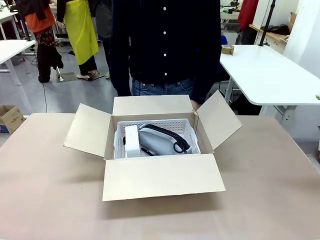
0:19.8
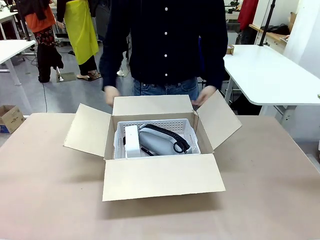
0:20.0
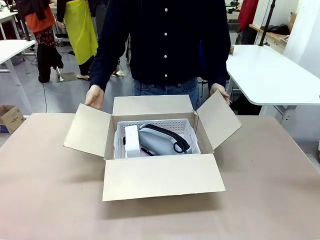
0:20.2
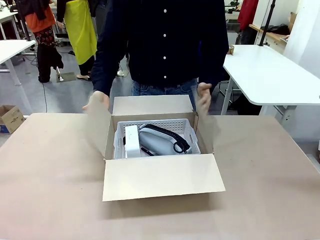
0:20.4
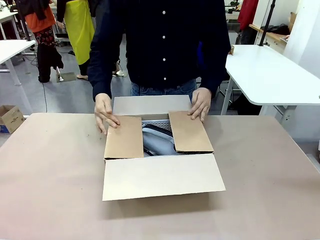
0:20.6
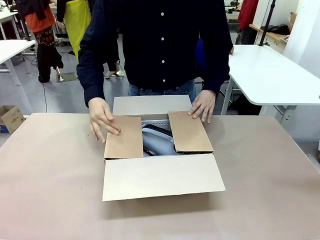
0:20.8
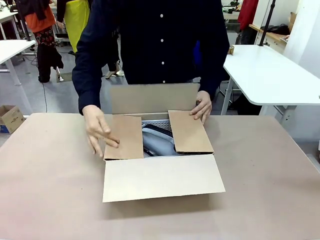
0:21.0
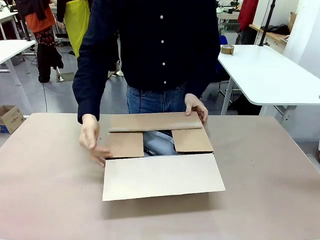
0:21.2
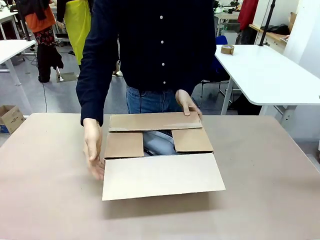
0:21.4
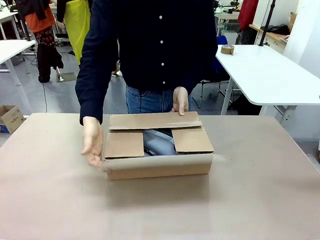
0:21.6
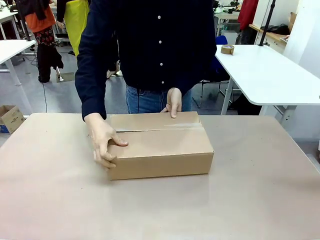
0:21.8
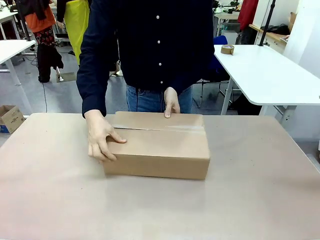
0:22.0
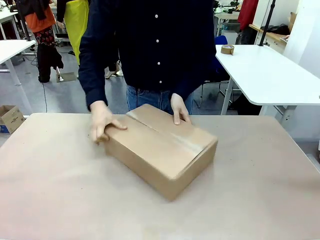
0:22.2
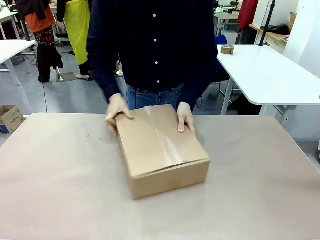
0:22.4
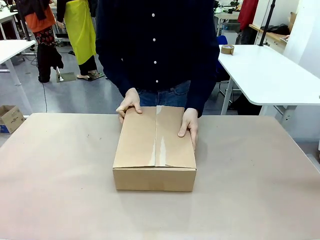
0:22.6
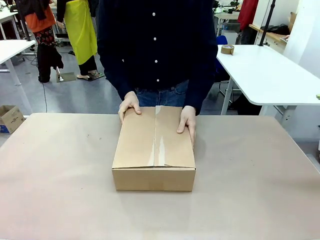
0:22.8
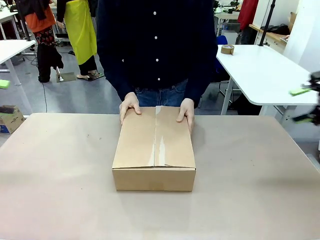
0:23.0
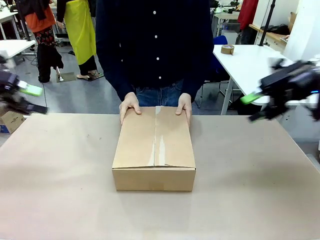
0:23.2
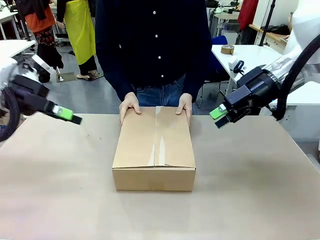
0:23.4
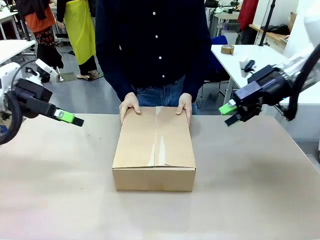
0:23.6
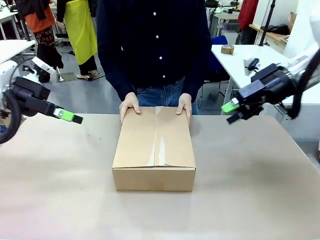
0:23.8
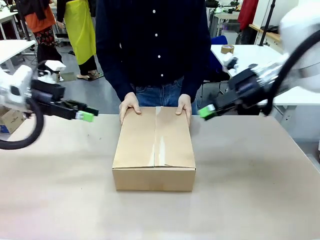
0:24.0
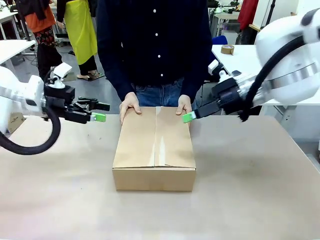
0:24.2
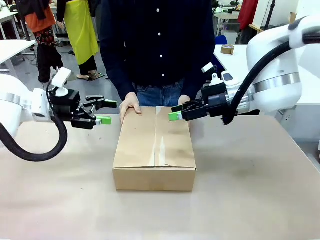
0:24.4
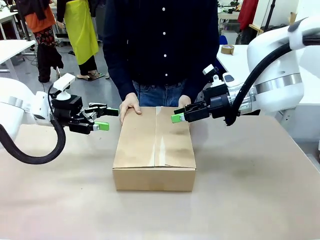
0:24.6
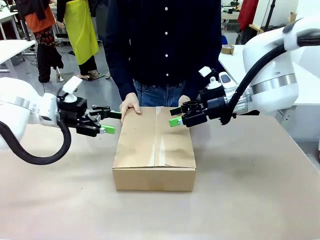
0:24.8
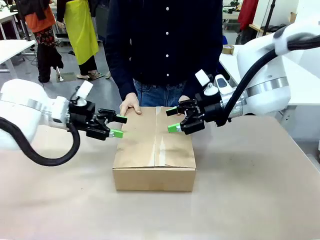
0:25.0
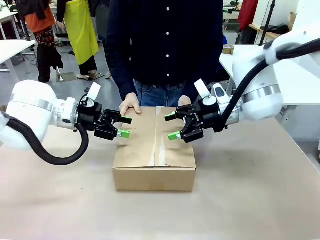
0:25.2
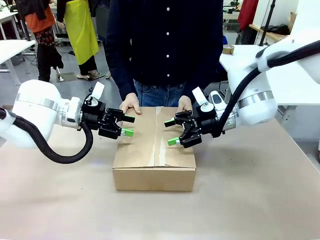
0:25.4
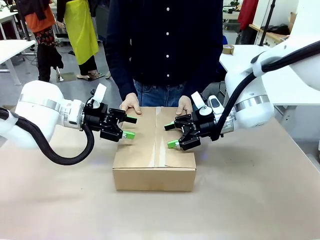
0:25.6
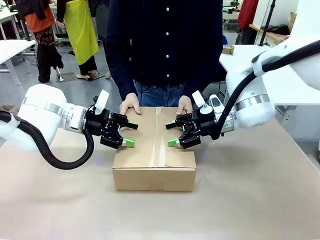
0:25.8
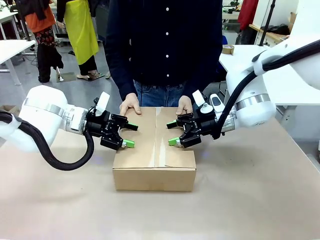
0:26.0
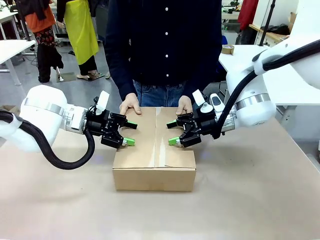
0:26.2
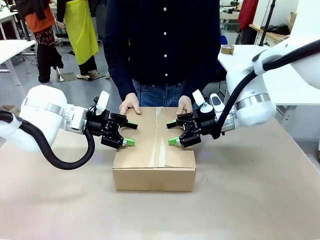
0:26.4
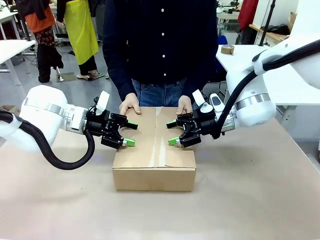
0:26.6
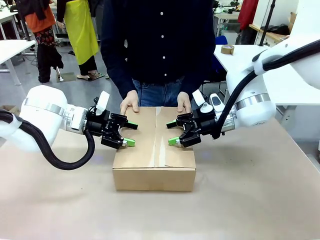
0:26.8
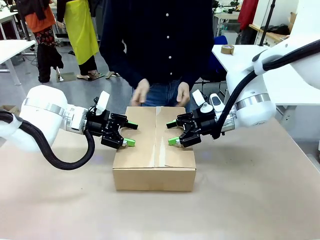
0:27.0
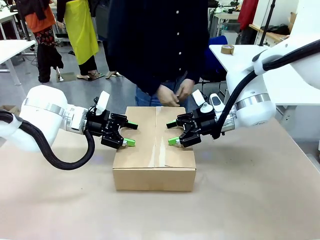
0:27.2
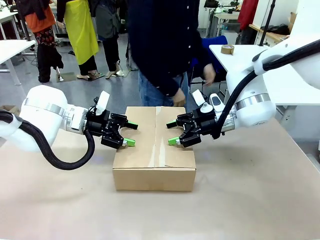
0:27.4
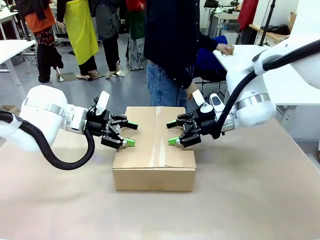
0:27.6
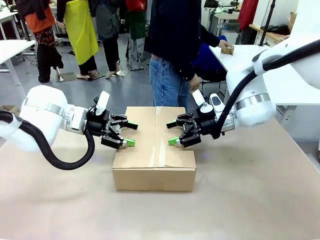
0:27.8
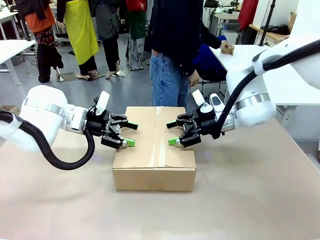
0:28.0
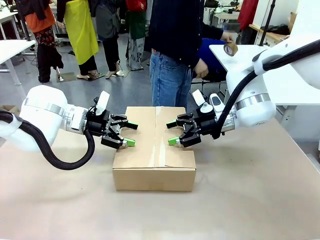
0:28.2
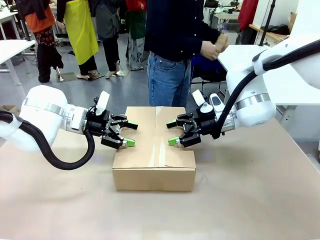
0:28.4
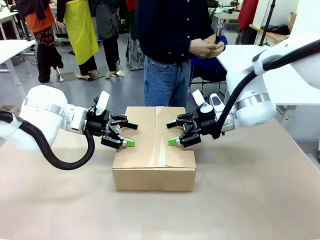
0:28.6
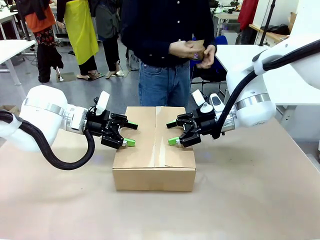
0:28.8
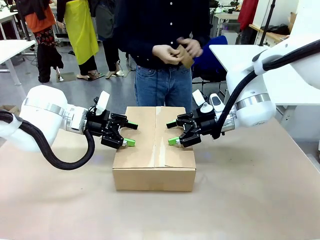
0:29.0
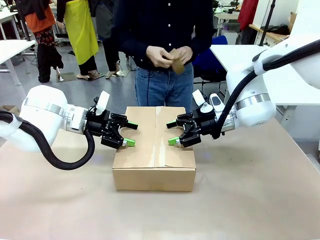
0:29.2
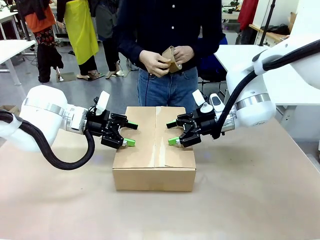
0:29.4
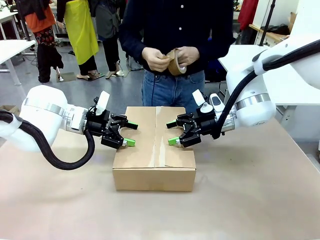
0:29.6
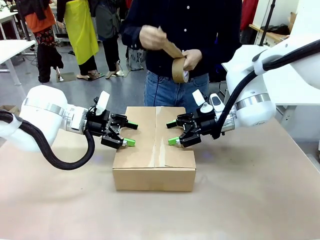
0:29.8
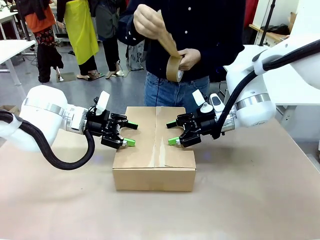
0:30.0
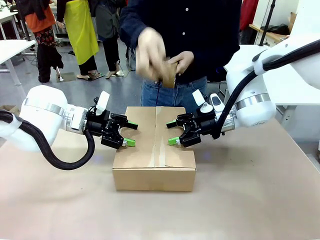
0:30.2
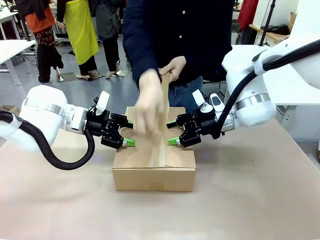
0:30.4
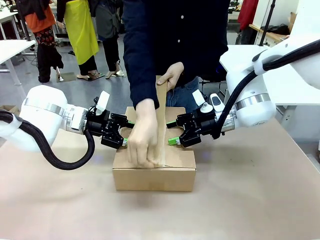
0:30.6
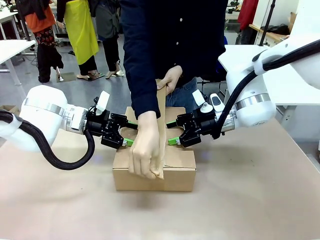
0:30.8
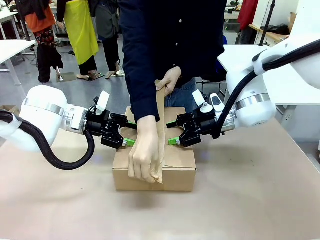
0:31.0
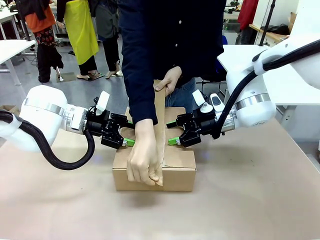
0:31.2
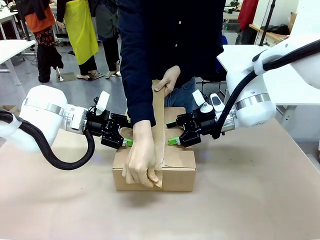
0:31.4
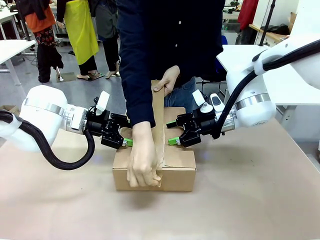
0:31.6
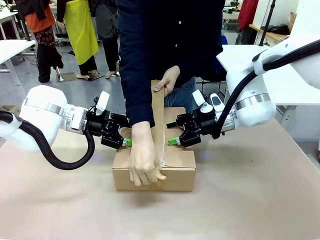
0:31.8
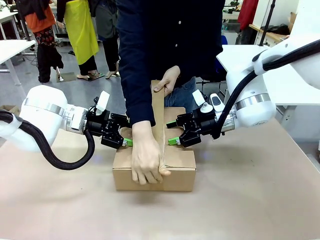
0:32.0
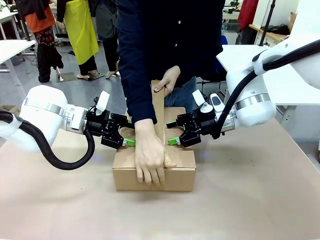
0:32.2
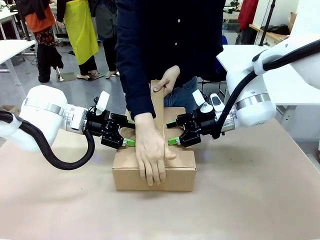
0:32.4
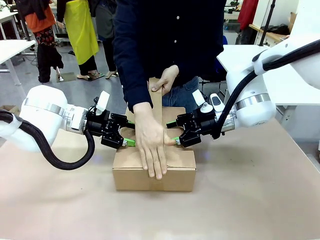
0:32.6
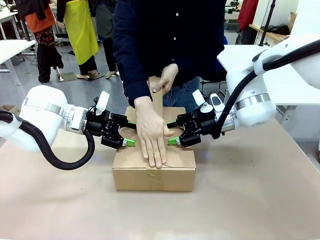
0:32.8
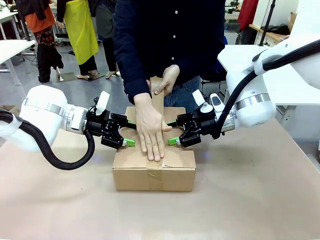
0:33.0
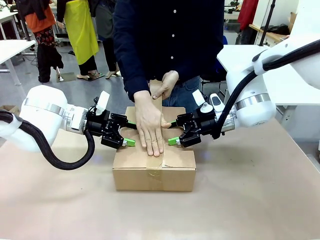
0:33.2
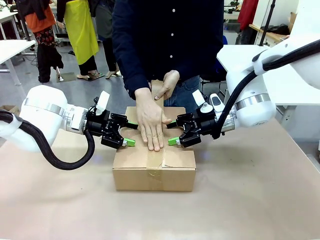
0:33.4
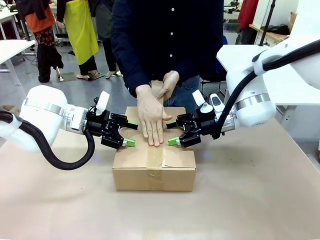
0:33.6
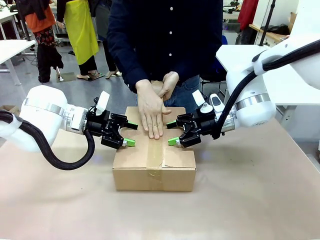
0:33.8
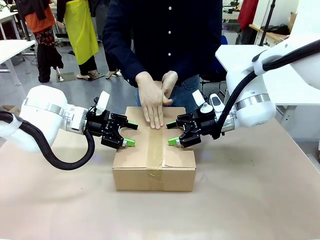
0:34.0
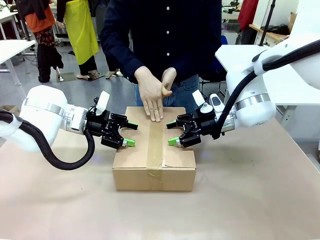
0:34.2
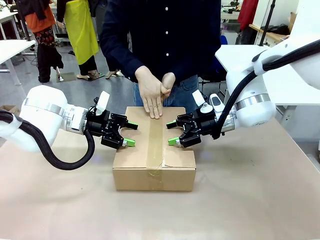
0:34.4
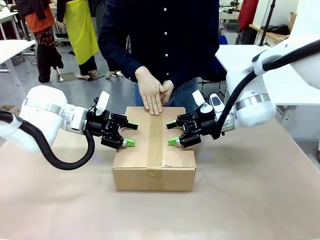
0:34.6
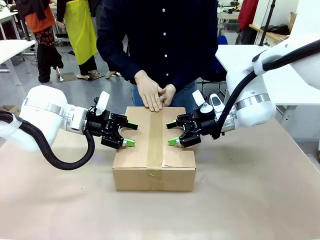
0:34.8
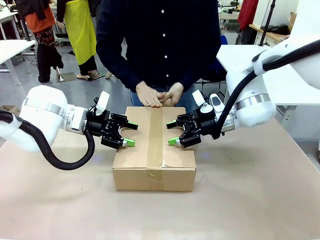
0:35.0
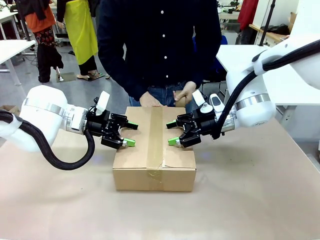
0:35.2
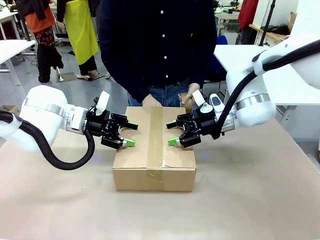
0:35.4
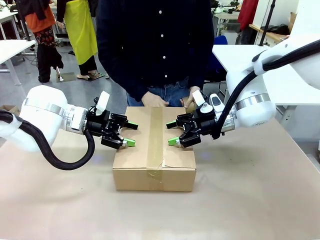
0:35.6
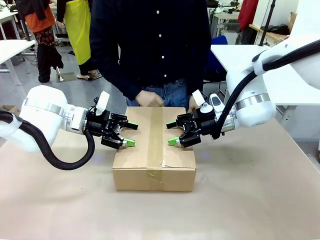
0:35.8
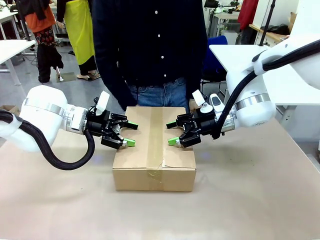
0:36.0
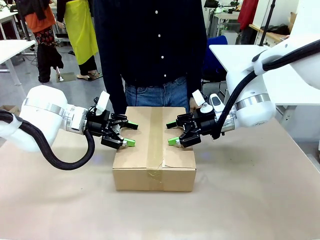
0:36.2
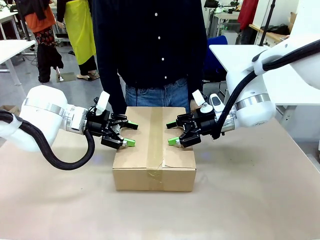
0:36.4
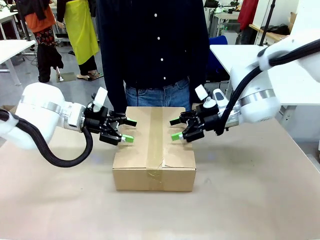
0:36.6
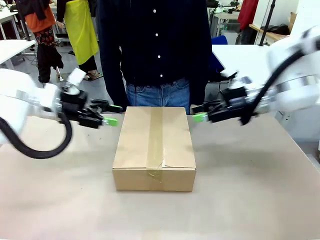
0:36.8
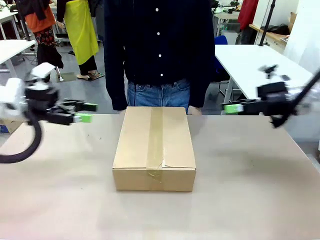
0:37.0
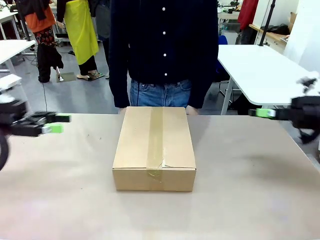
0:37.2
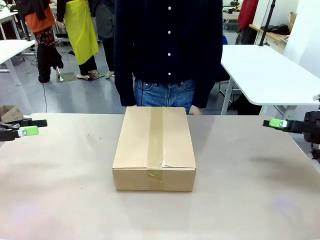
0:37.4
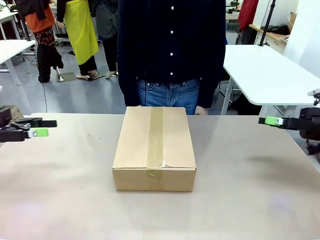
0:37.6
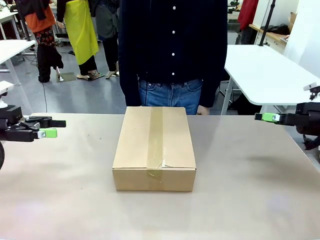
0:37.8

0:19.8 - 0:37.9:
Task: Pack the gift set into the box.
Robot: Press and hold the closed box until the human finishes sealing it.
Person: The human closes the box and rotates the box by 90 degrees. The human picks up the paper tape from the human table and packs the box.
